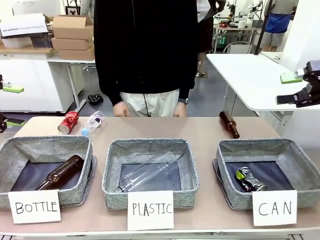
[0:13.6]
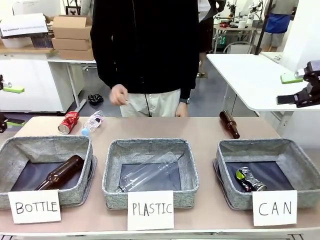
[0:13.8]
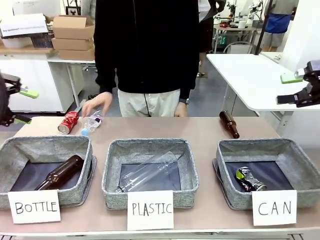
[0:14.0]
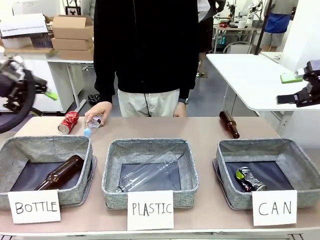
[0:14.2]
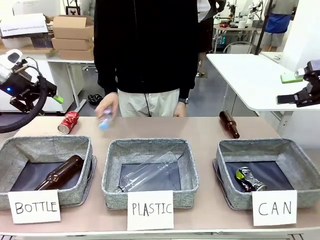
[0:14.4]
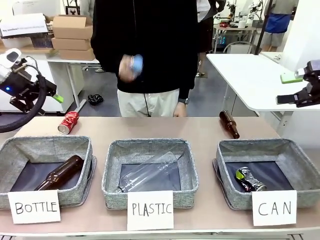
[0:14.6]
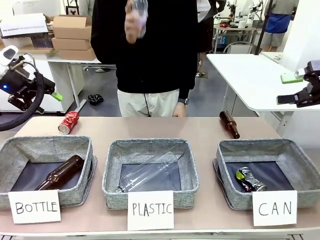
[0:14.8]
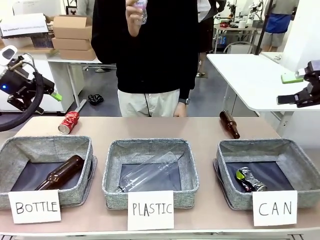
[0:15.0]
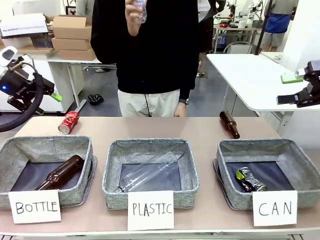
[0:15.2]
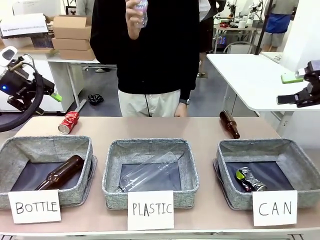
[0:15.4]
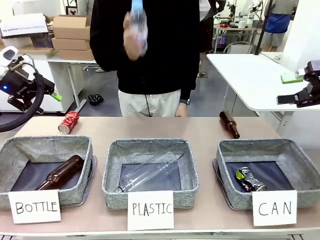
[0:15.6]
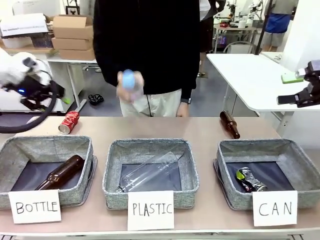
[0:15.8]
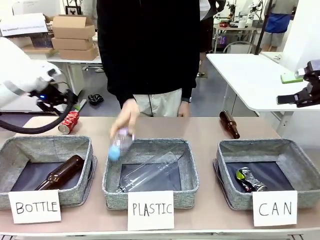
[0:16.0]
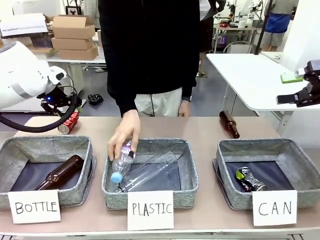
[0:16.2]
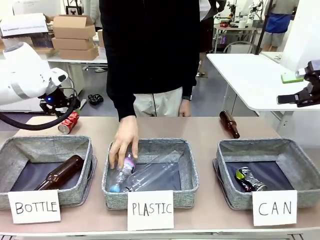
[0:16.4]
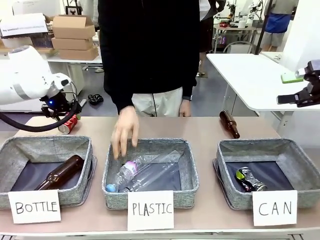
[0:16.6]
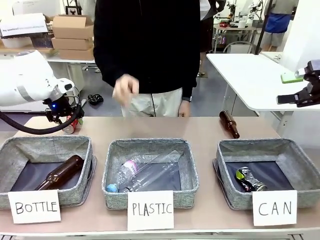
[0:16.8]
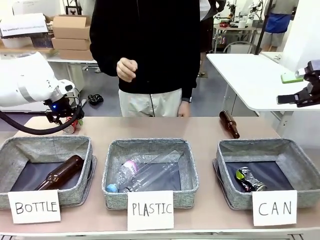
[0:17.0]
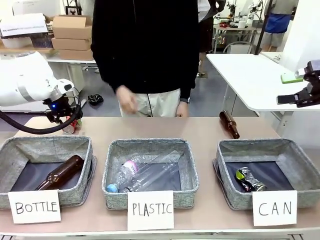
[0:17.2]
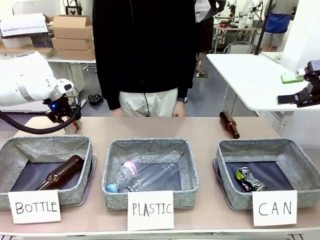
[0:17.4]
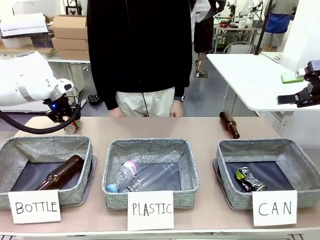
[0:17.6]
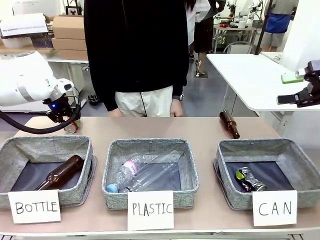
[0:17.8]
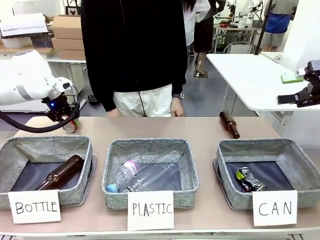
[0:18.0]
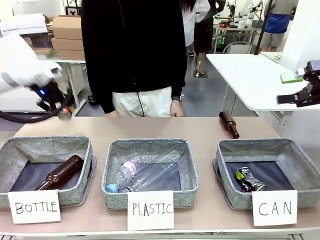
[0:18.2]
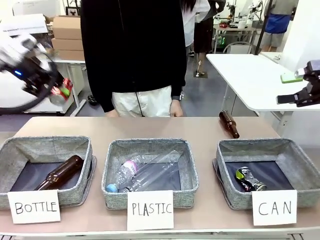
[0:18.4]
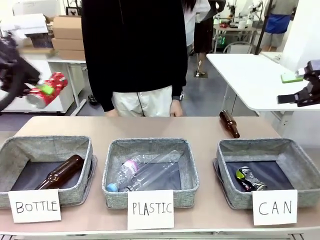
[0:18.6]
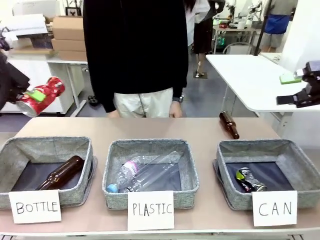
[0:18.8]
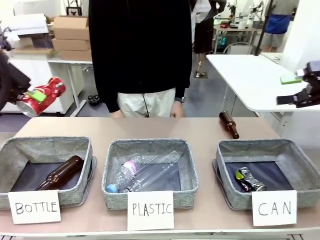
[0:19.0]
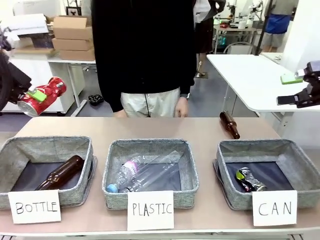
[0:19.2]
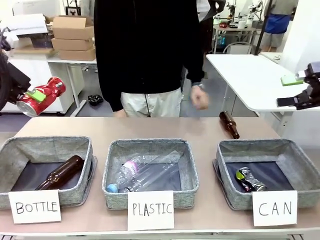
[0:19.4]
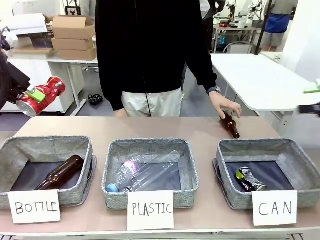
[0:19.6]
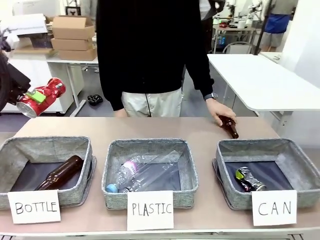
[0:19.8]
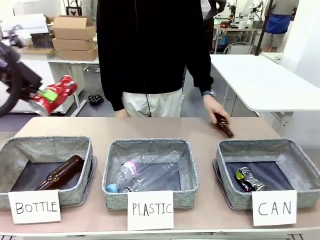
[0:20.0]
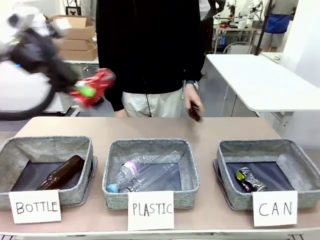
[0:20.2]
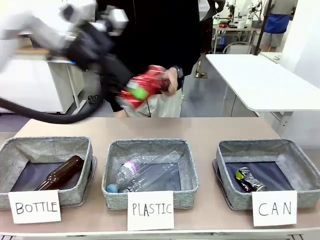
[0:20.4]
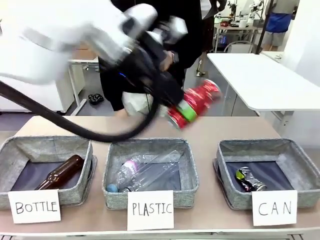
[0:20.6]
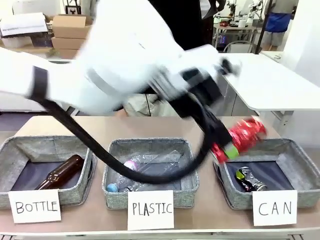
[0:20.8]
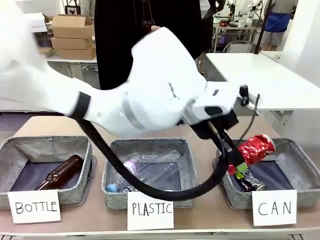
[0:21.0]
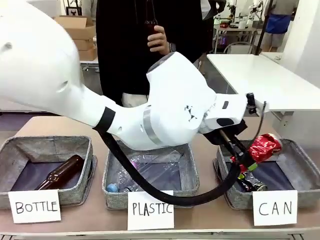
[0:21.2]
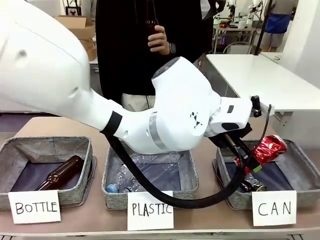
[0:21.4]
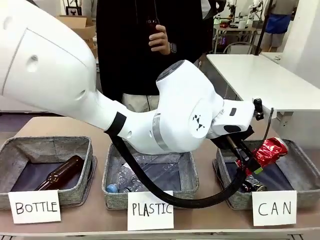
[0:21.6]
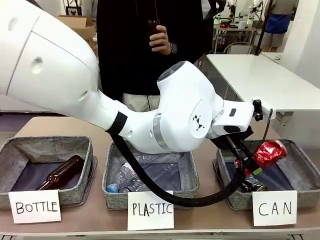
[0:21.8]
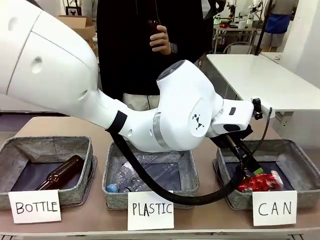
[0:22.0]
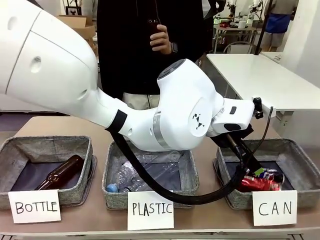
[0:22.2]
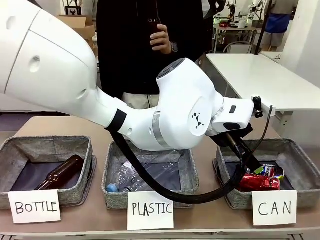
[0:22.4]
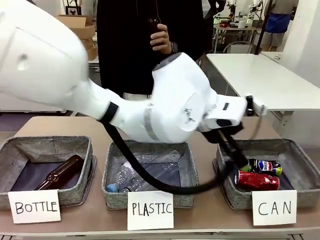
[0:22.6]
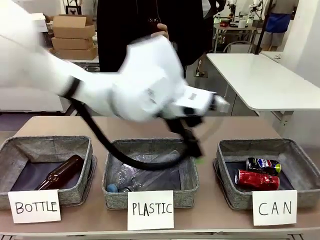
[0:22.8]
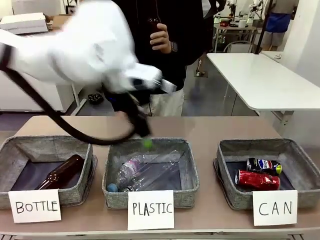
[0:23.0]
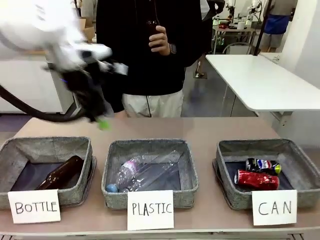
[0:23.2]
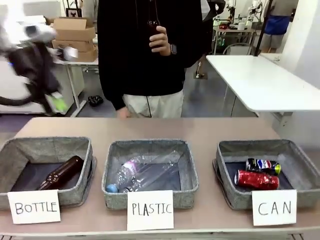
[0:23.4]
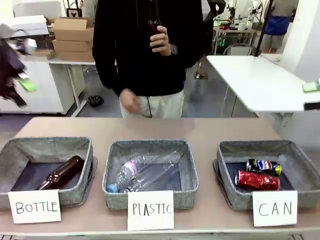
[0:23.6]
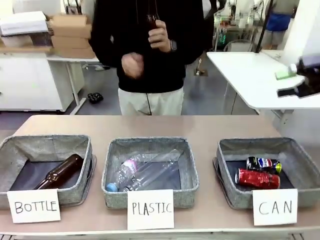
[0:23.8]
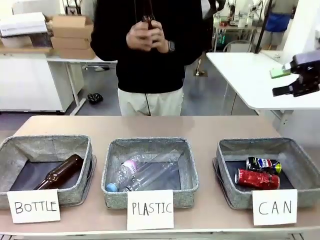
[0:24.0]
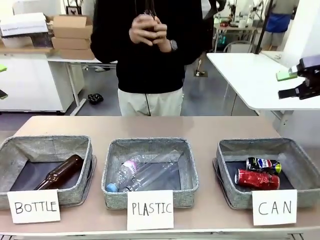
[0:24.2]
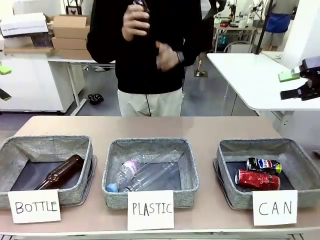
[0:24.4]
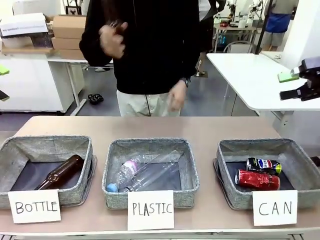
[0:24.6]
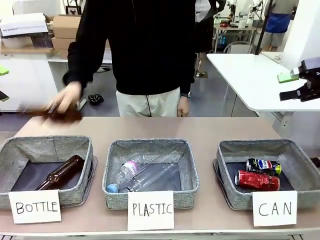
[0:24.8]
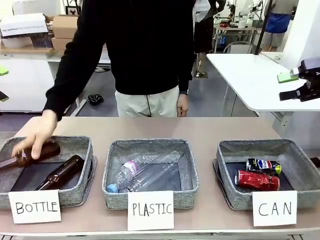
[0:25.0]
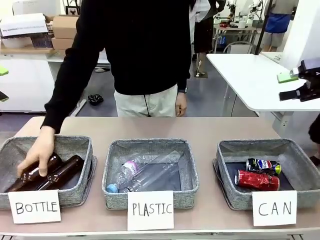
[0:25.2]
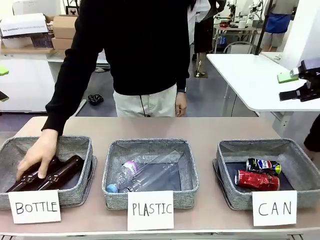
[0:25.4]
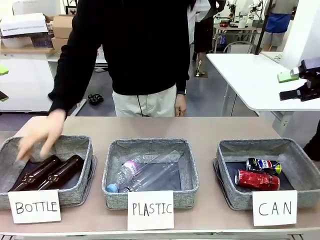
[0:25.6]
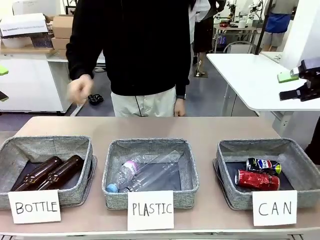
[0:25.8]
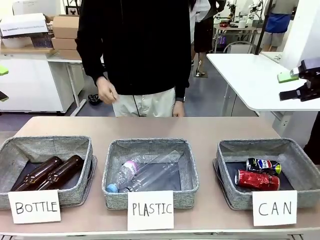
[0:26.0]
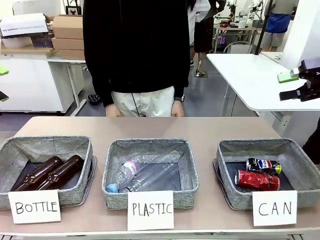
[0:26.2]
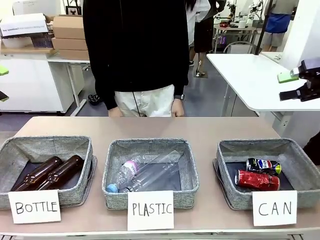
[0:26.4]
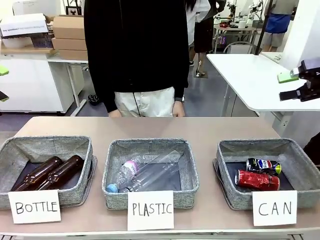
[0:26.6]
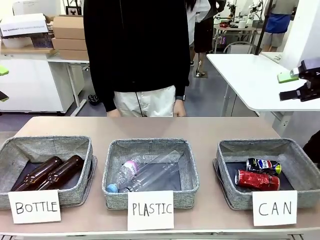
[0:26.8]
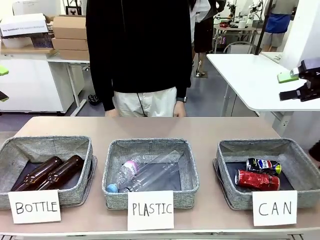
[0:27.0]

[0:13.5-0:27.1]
Task: Sort the can waste into the basket.
Robot: Pick up the can waste from the table and place it in the right Fabric basket.
Person: The human picks up one piece of trash that is not a can and places the trash into the appropriate organizing basket.

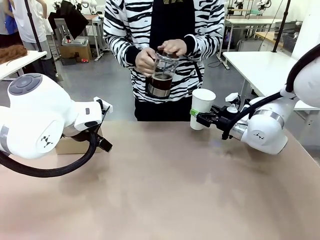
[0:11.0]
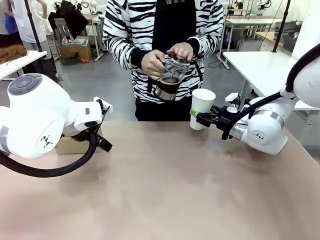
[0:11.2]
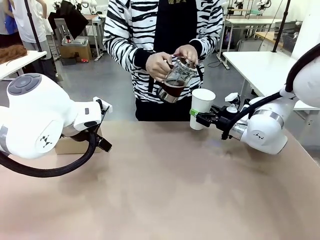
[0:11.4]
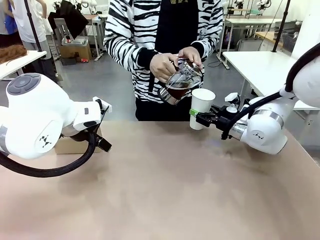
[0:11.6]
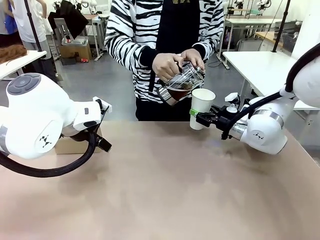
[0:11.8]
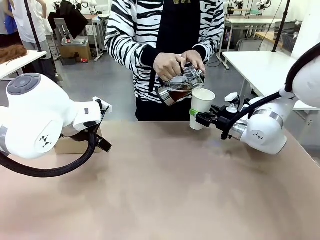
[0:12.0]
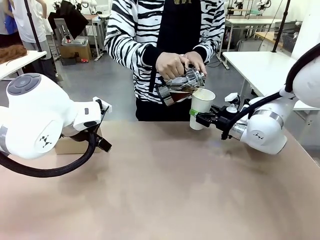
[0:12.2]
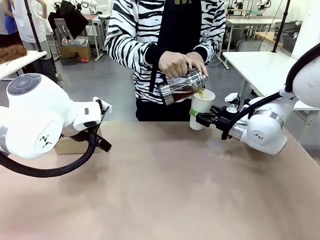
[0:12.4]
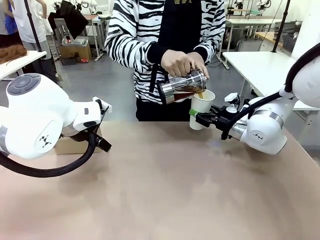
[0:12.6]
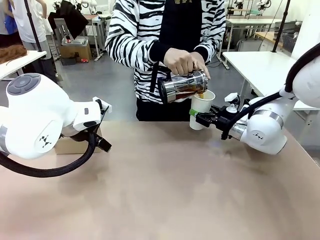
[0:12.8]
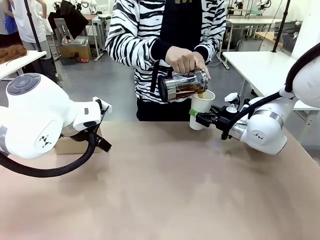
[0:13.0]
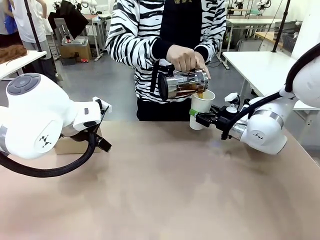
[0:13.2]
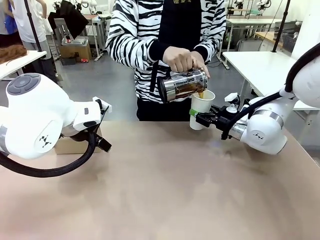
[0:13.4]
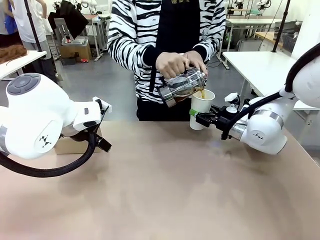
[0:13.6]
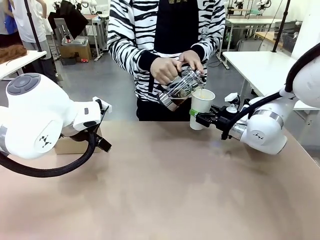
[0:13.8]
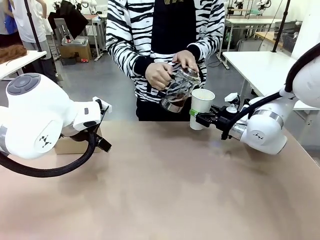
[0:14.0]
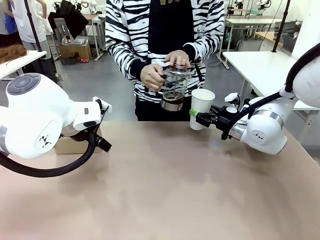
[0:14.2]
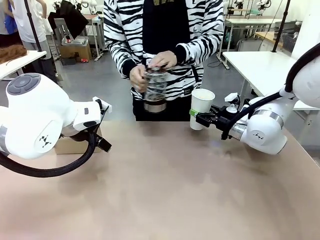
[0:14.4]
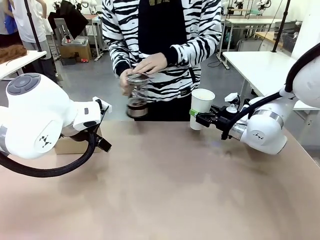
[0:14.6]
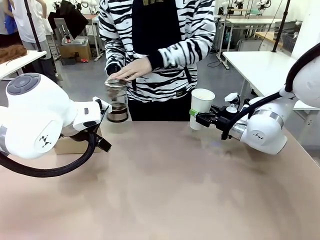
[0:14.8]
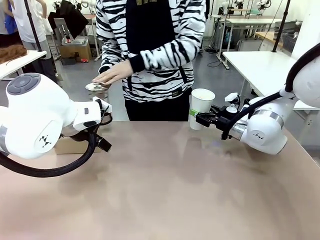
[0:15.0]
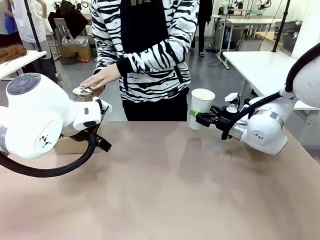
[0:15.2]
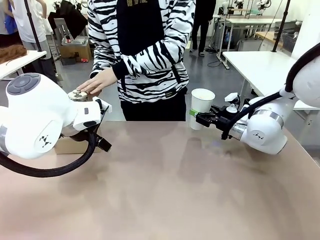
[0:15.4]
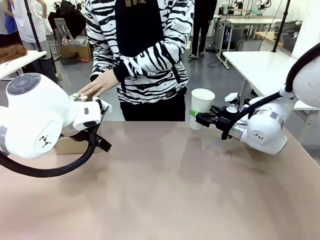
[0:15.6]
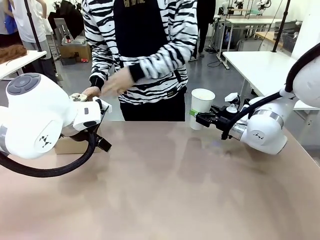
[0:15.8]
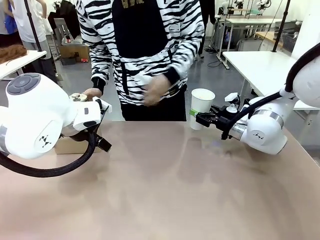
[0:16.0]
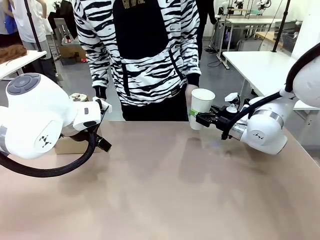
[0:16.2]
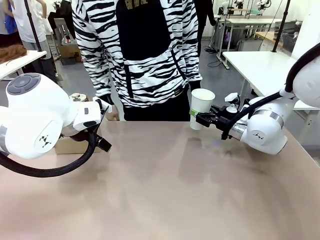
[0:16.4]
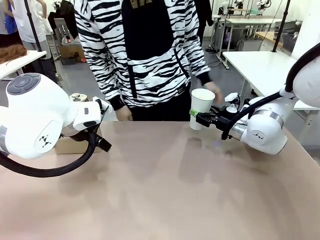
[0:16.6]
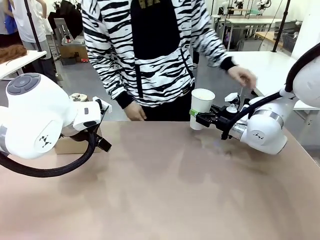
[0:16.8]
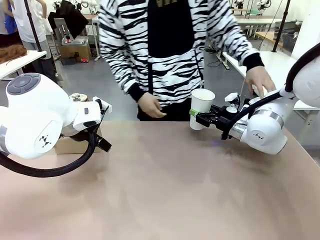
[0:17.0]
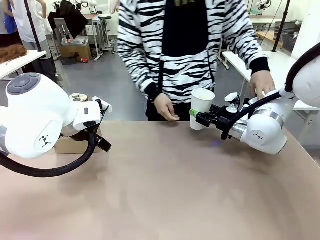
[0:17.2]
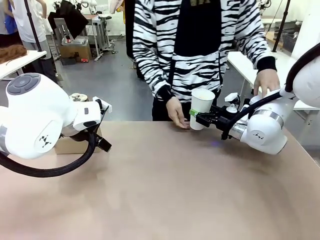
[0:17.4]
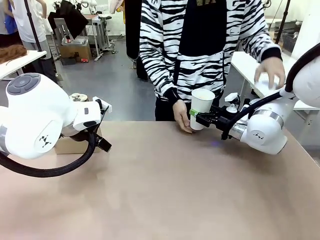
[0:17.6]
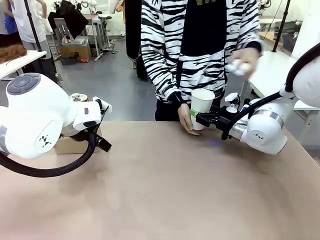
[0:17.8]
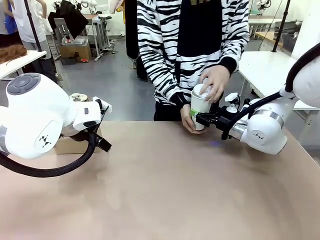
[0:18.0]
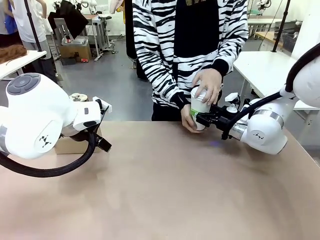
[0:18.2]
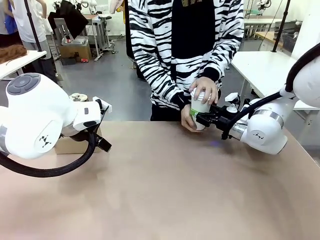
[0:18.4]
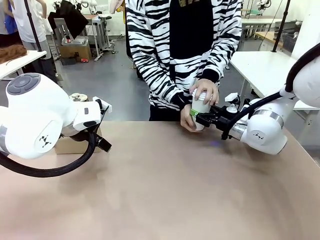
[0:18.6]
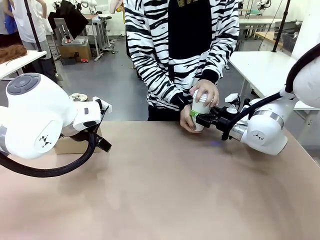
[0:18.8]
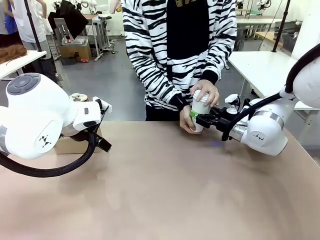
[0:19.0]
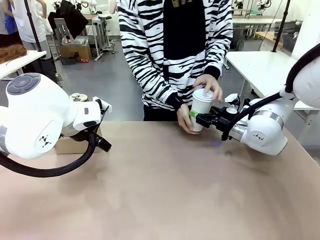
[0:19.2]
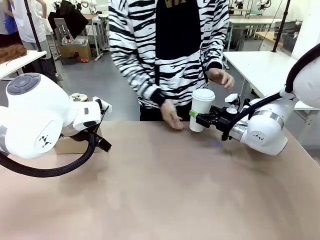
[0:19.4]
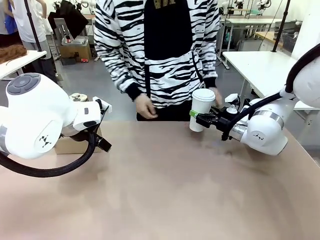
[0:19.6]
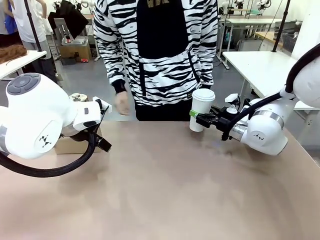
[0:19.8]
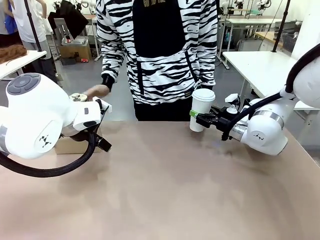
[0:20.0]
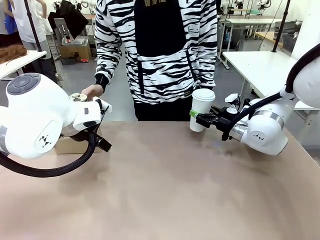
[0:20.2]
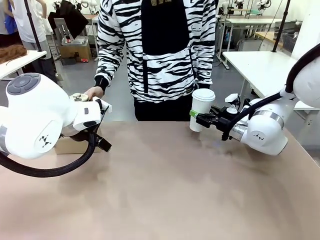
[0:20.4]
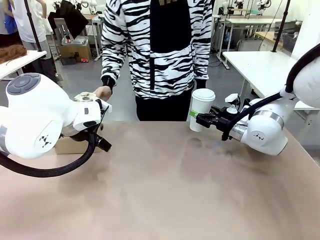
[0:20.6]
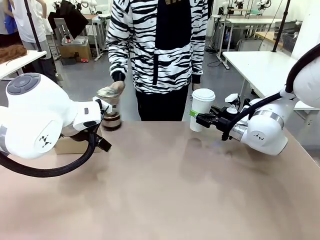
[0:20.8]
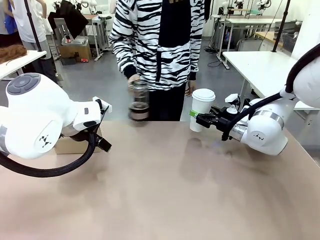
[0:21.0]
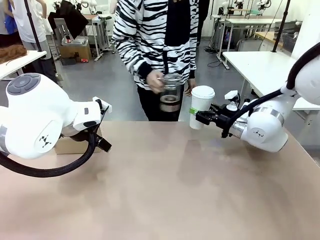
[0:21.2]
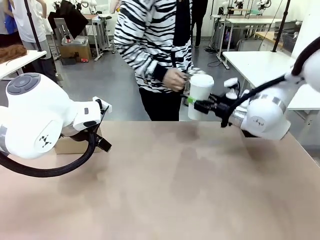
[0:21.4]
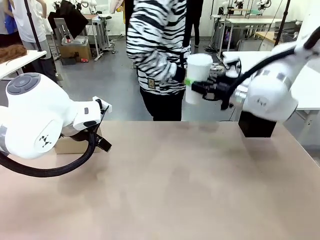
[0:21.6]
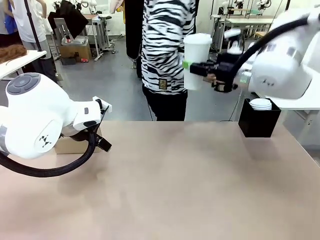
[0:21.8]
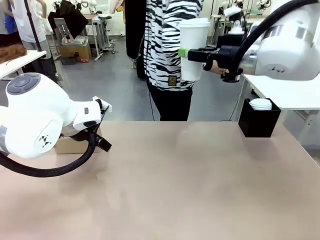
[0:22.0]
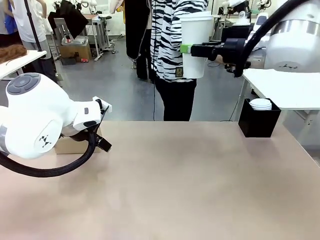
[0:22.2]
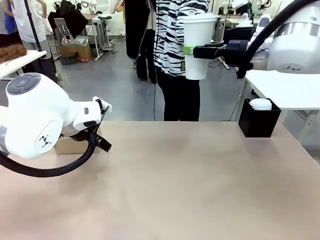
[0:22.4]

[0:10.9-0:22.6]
Task: Pour a drink into a cup and package it in a carrier.
Robot: When a person places the Paper Cup Lid on the 600 ml Paper Cup , lift the 600 ml Paper Cup.
Person: Pour the drink from the Filter Brewing into the 600 ml Paper Cup. Place a Paper Cup Lid on the 600 ml Paper Cup.
